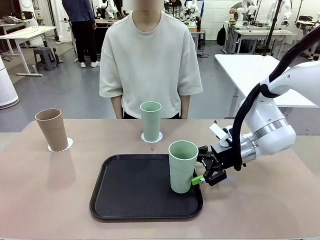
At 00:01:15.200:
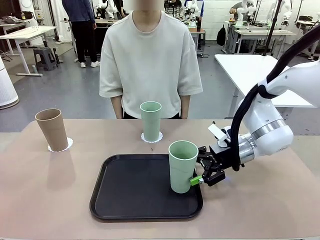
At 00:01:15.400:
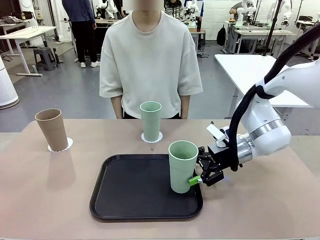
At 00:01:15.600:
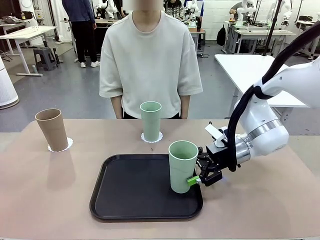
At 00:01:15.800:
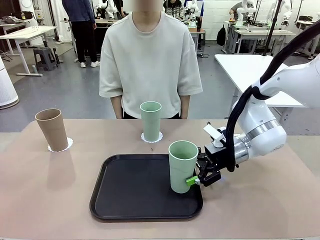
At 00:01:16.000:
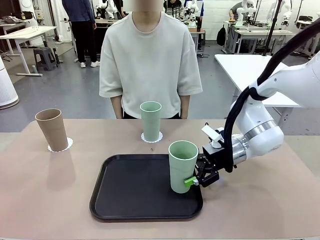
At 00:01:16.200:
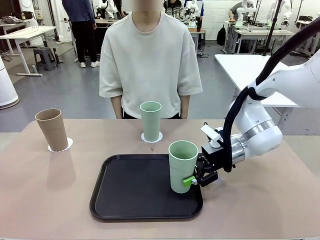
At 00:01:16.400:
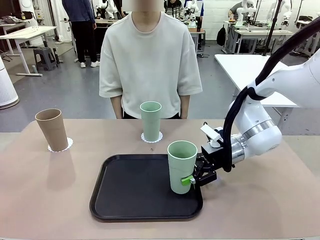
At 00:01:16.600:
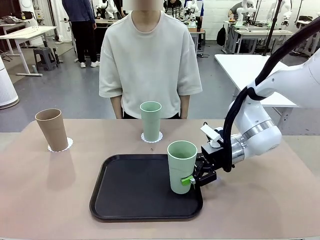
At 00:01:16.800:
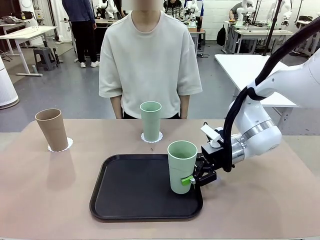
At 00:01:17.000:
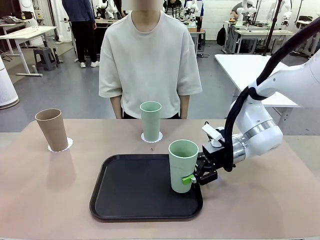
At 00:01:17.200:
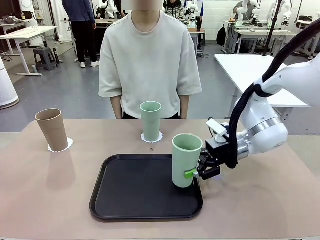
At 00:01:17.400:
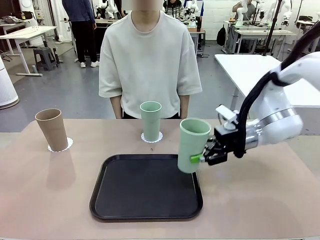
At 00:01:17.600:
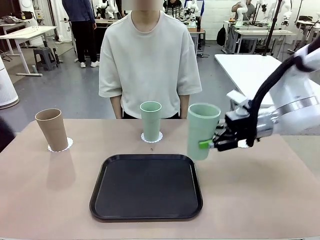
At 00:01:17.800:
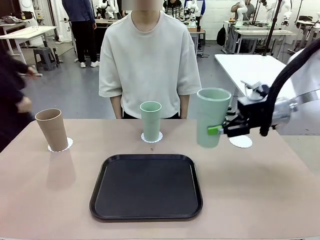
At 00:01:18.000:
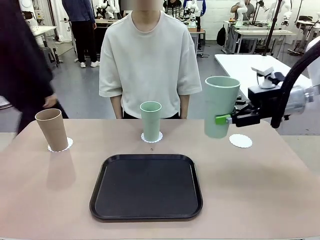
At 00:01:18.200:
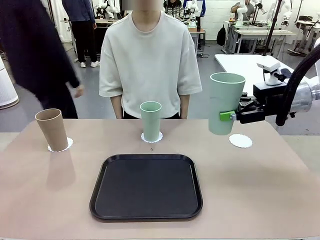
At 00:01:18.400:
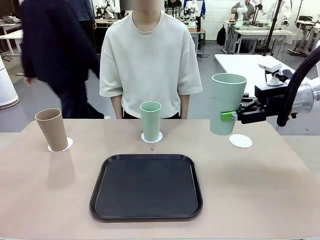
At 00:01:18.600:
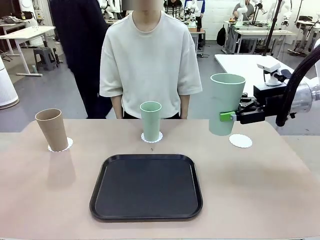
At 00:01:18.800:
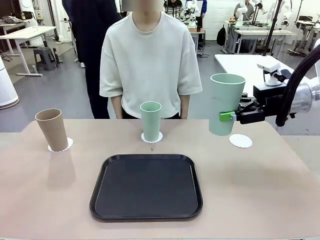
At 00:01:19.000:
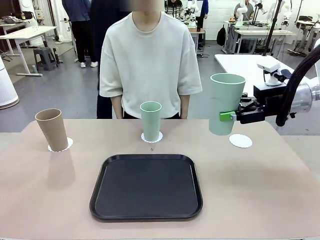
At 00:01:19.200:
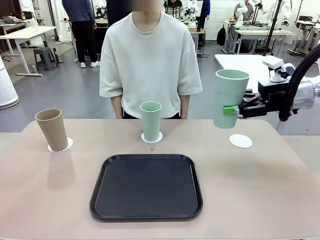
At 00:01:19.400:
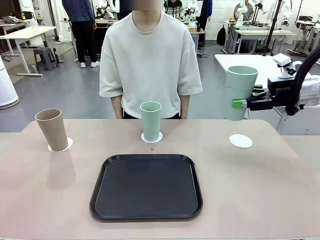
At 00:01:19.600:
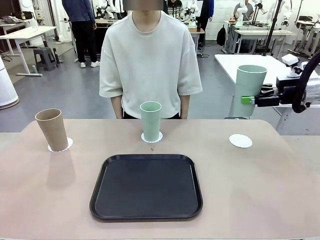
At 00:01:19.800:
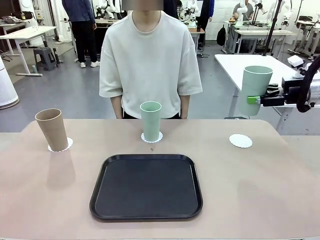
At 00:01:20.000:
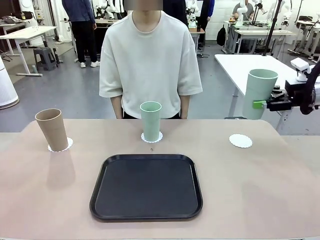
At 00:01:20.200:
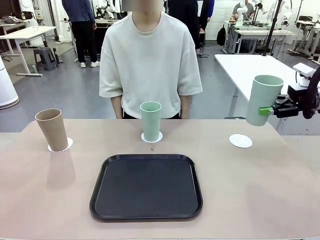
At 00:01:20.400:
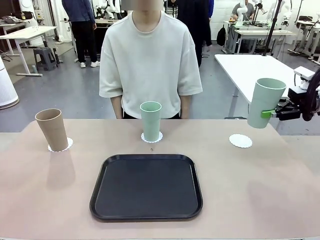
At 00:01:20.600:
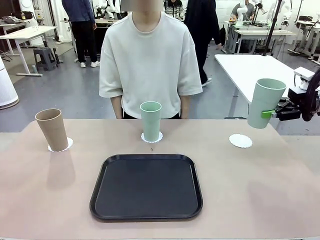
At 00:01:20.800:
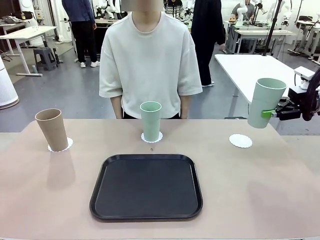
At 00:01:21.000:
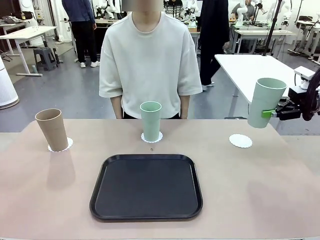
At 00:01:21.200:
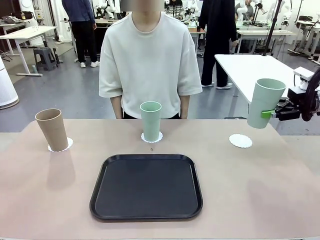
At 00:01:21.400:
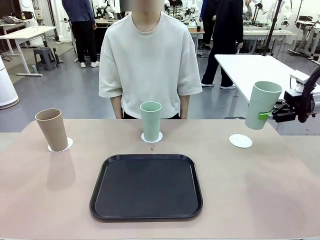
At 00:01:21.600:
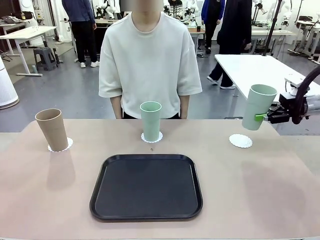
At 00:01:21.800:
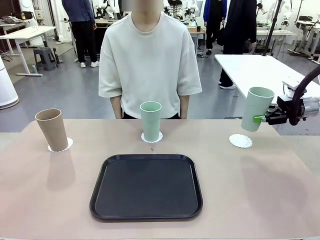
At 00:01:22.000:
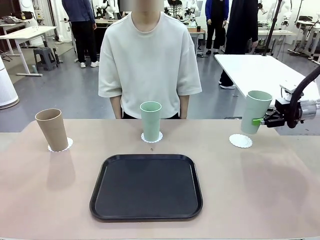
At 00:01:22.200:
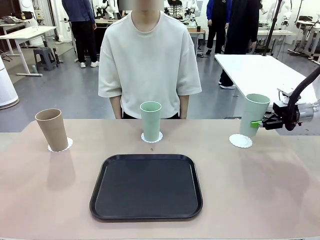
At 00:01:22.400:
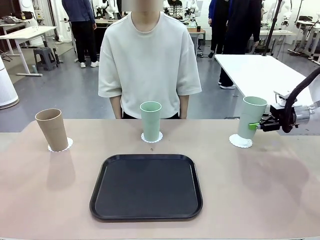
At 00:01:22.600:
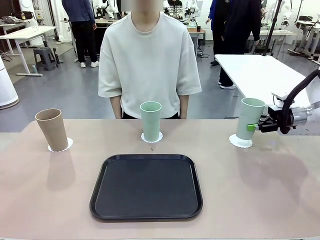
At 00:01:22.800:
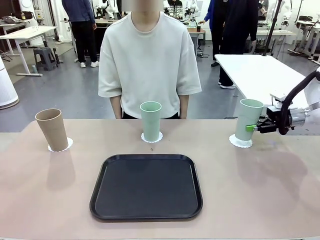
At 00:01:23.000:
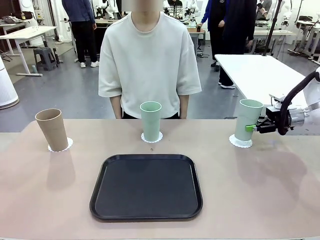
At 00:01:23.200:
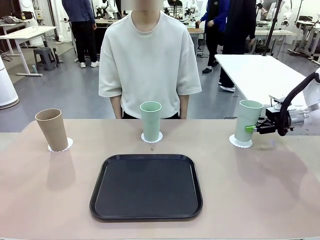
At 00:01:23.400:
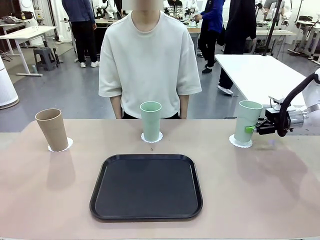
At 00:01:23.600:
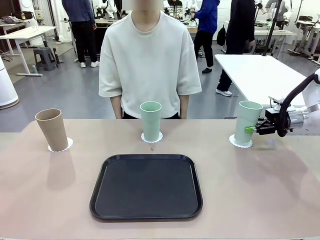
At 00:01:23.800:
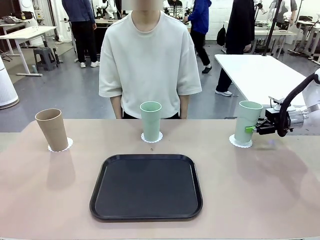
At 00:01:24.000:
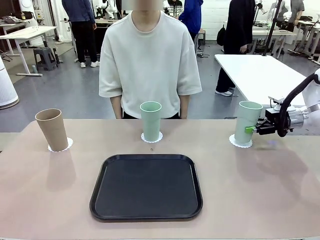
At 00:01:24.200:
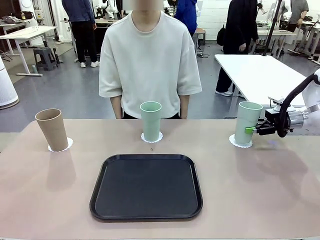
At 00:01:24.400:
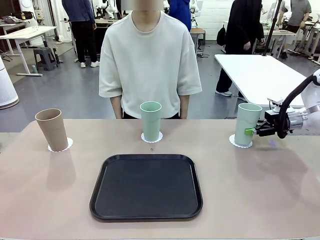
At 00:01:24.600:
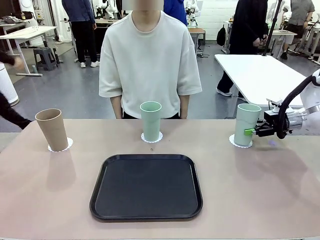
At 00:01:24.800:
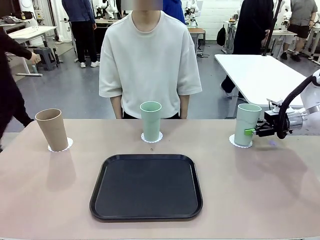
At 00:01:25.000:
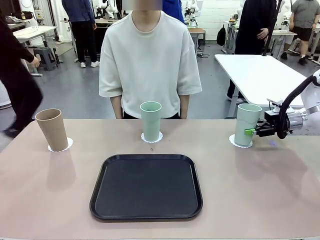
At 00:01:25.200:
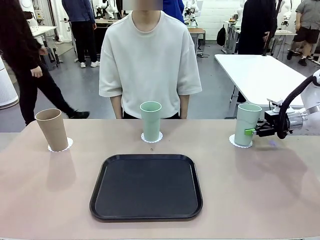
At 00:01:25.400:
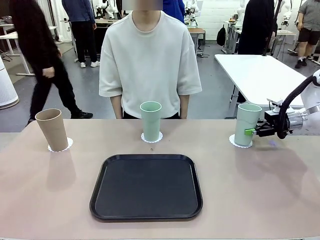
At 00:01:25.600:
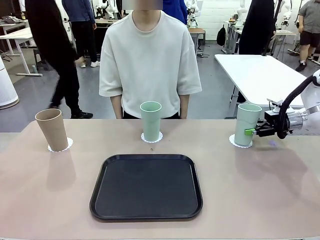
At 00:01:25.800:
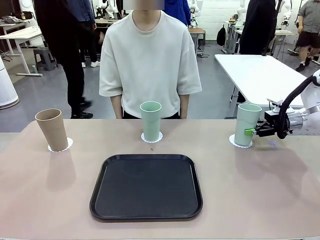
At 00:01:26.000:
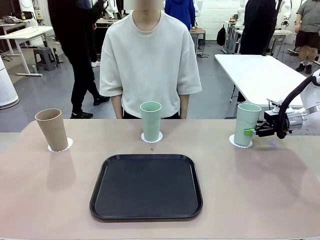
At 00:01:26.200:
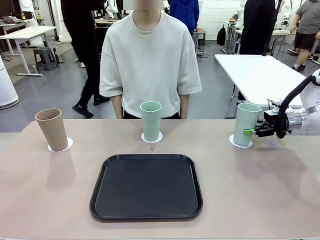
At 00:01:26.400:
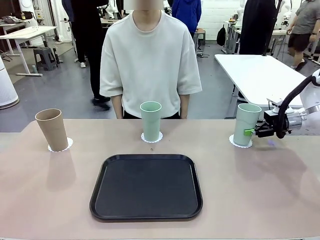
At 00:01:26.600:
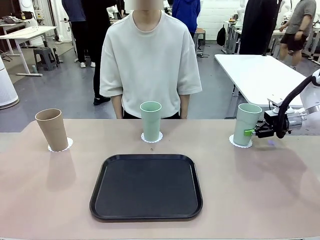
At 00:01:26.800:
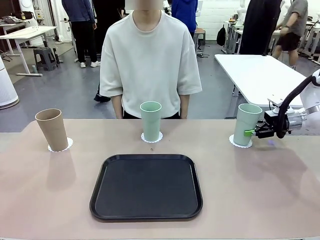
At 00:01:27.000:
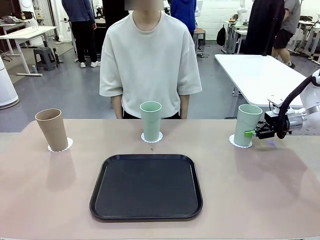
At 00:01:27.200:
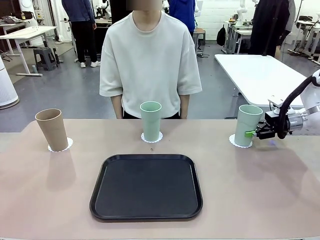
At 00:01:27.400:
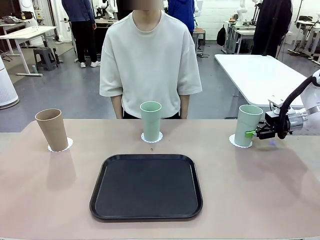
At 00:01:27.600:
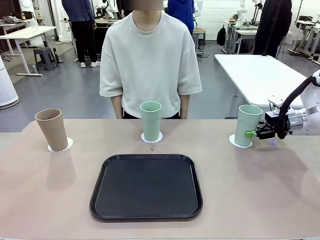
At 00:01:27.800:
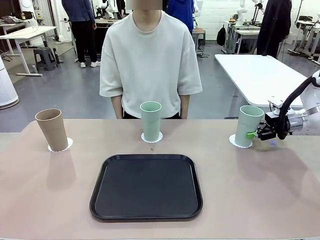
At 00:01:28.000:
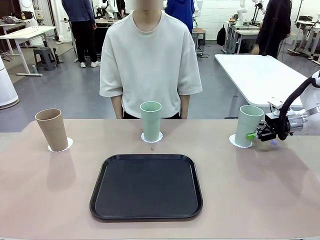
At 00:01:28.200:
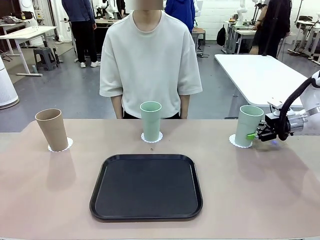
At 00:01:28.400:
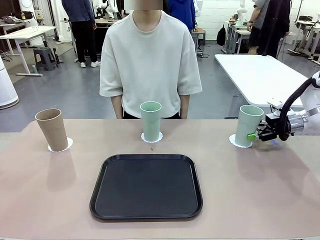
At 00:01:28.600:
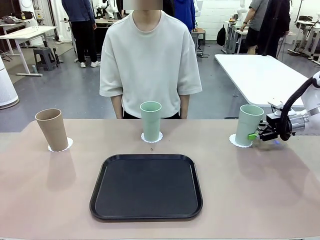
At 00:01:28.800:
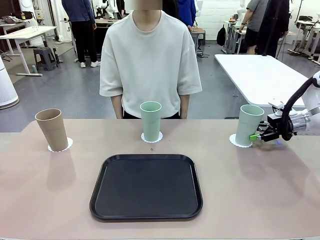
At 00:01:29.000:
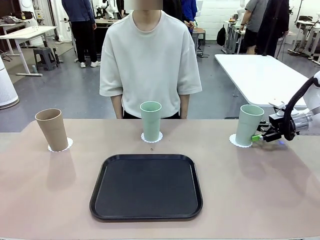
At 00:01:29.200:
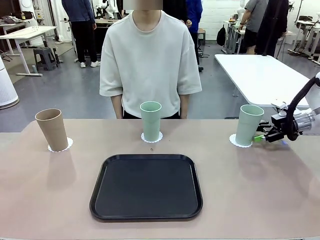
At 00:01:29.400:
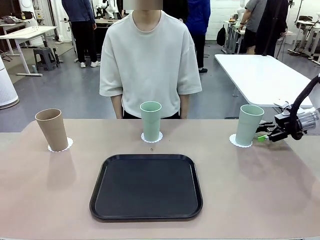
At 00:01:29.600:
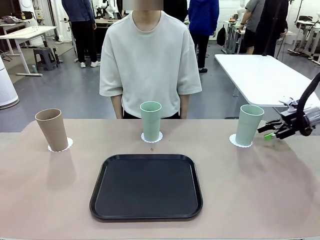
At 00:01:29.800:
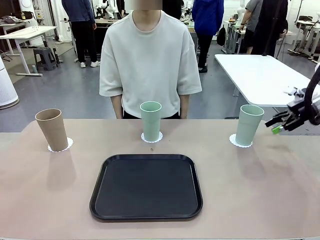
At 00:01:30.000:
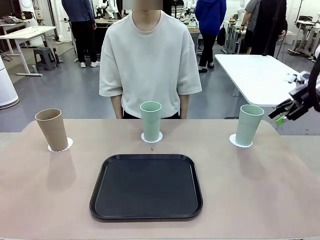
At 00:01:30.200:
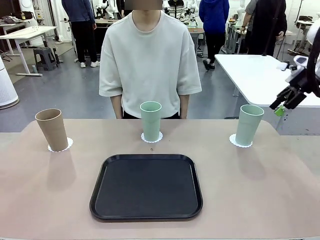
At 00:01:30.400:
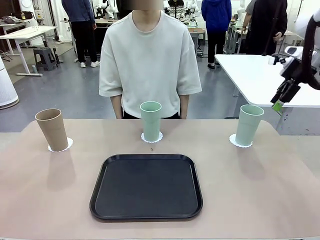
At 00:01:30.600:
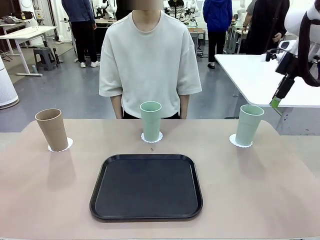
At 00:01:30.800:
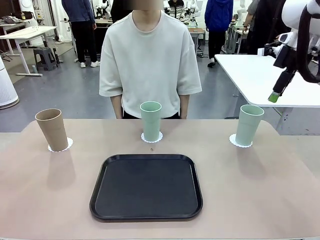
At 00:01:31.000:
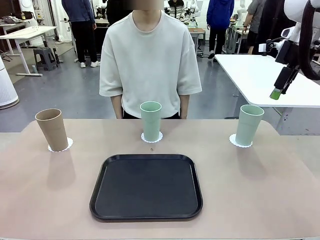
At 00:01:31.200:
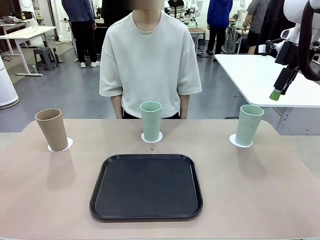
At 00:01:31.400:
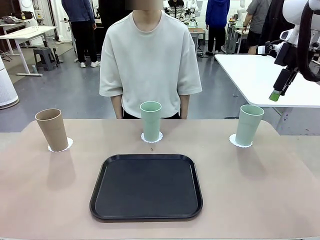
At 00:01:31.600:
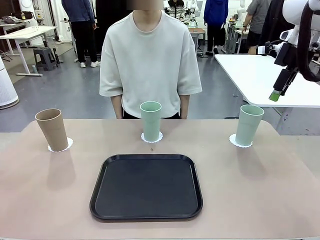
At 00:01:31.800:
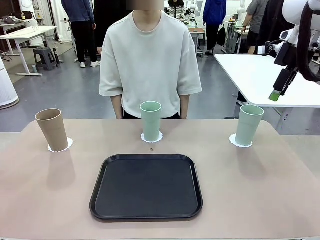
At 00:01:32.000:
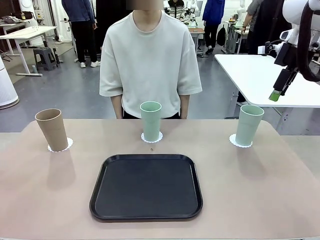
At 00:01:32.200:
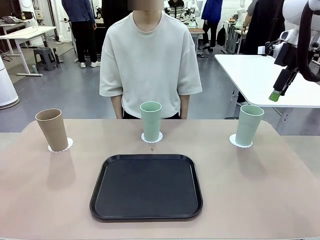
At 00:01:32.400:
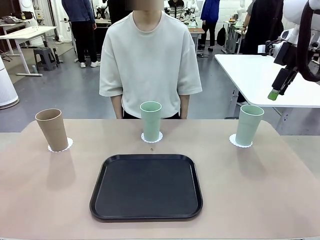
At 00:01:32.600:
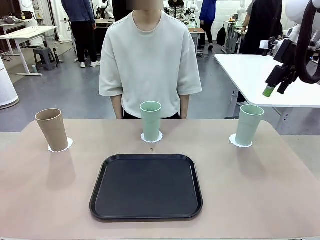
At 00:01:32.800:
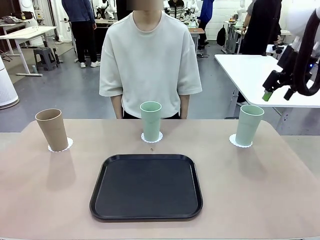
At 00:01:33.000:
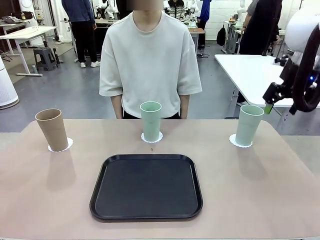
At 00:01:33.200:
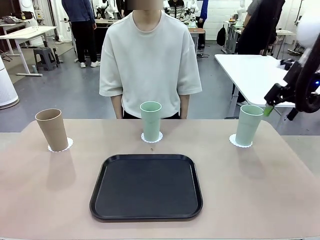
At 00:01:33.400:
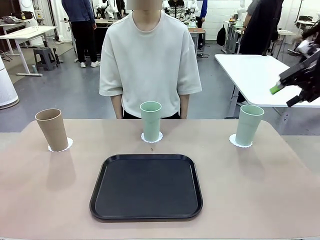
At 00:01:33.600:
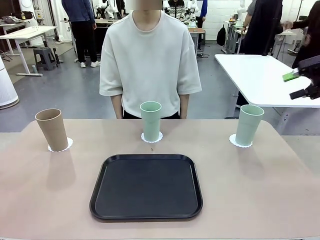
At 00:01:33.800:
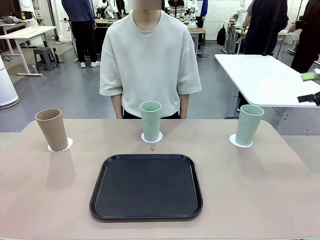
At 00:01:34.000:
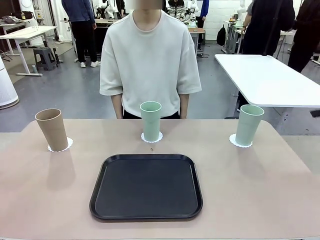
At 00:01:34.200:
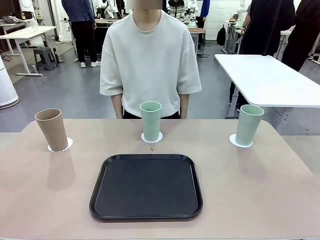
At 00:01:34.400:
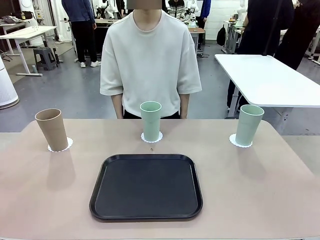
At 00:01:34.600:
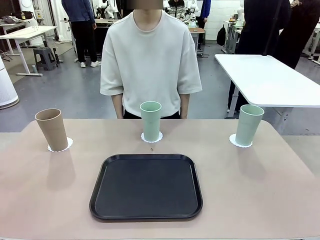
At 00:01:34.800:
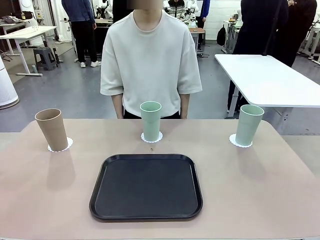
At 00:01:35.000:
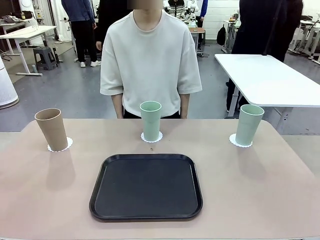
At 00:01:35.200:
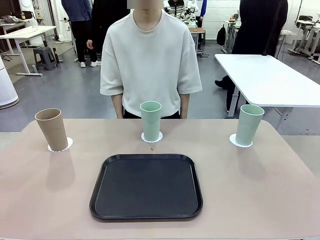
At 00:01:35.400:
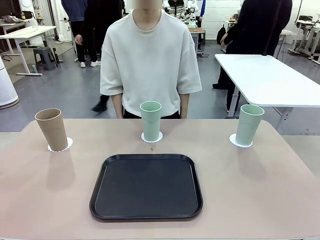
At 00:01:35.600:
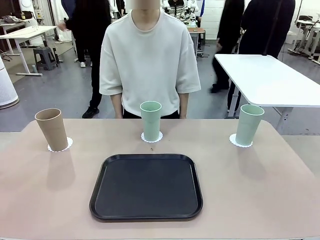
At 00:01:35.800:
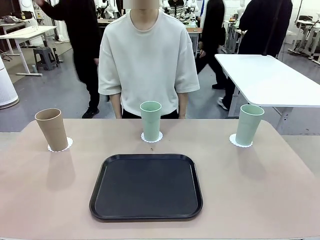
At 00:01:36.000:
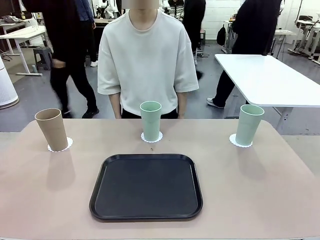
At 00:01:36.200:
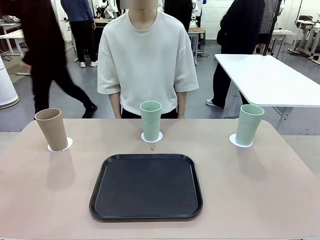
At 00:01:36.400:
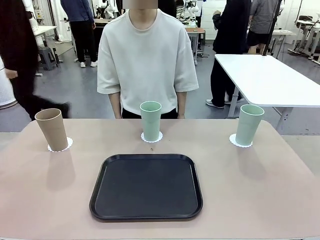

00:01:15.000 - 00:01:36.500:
Task: Place coasters on the table and set cups on them.
Robot: Take one Reusable plastic cup from the Flat Tray and place it on a coaster set by the human.
